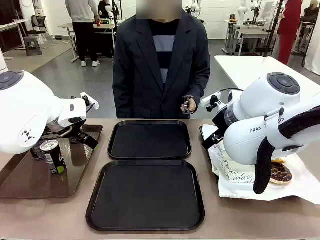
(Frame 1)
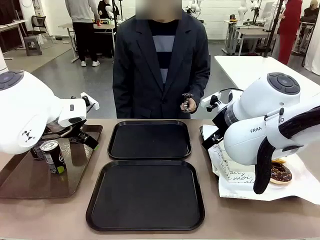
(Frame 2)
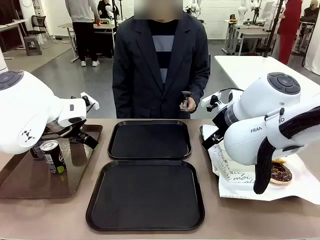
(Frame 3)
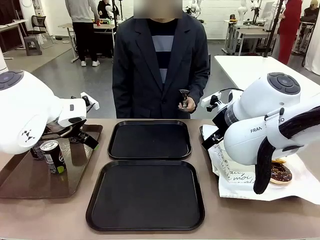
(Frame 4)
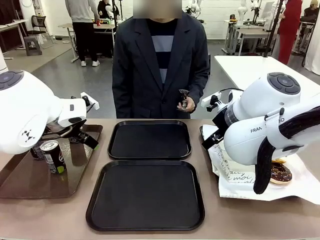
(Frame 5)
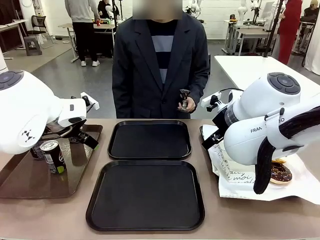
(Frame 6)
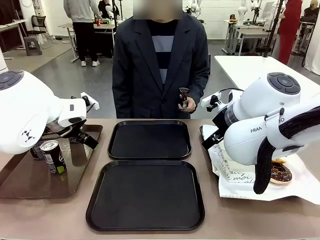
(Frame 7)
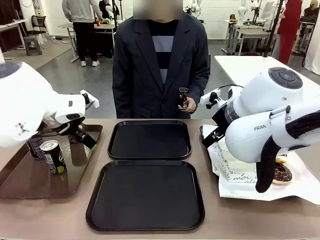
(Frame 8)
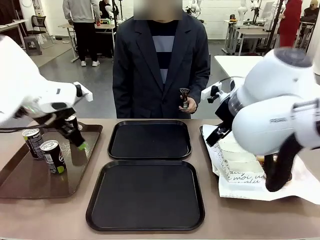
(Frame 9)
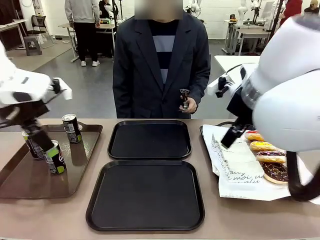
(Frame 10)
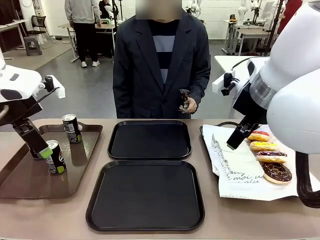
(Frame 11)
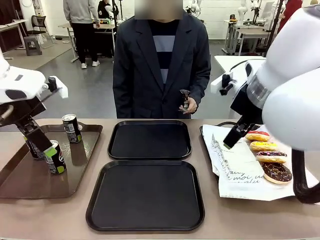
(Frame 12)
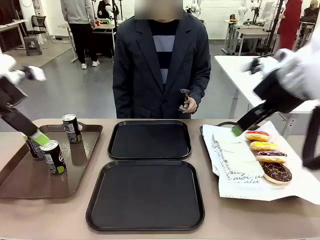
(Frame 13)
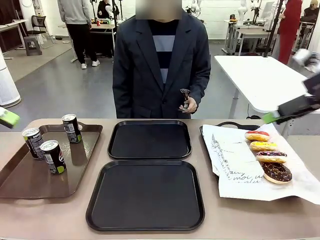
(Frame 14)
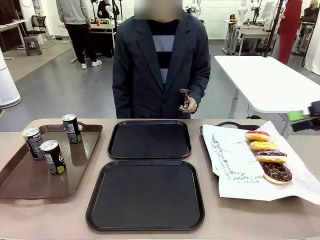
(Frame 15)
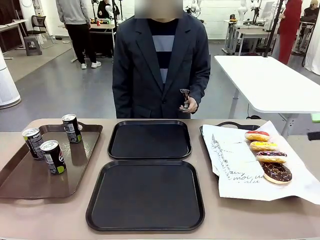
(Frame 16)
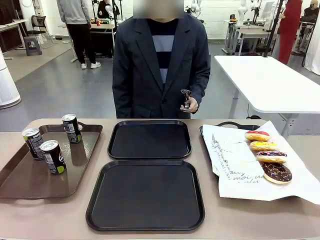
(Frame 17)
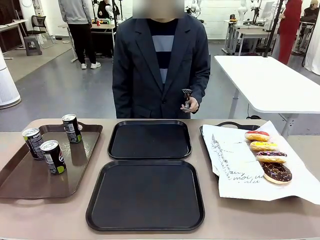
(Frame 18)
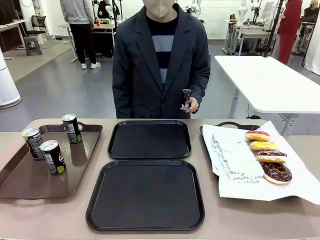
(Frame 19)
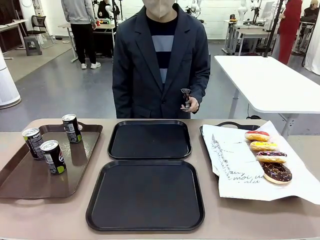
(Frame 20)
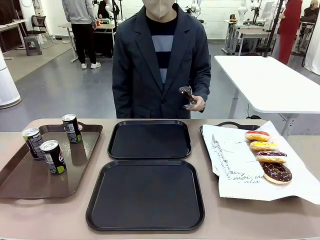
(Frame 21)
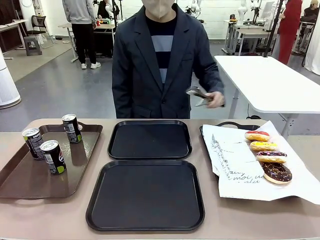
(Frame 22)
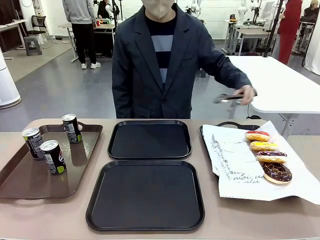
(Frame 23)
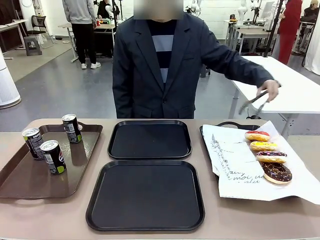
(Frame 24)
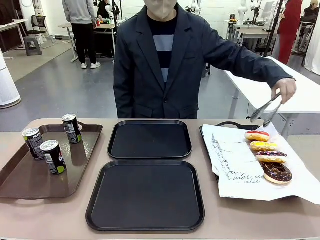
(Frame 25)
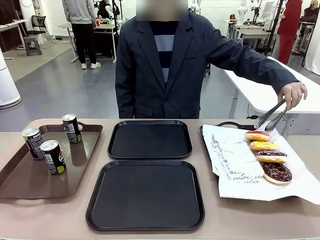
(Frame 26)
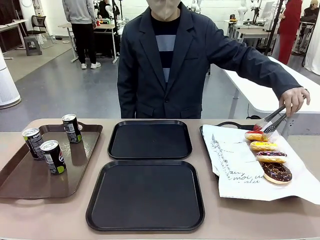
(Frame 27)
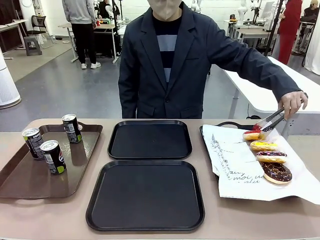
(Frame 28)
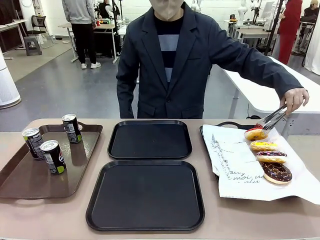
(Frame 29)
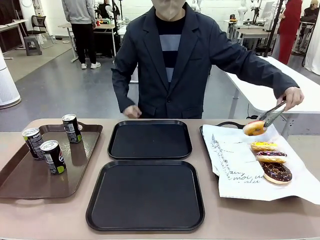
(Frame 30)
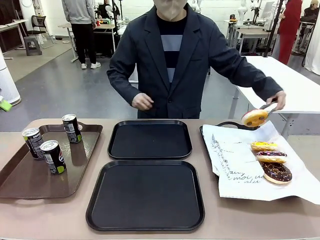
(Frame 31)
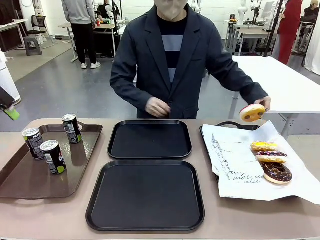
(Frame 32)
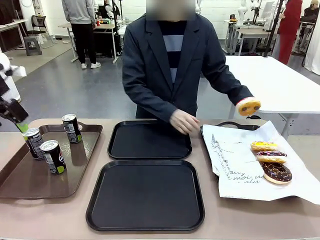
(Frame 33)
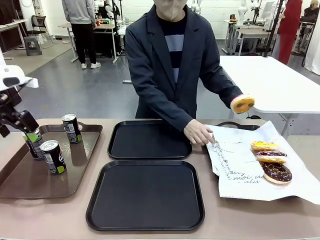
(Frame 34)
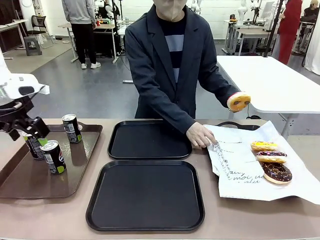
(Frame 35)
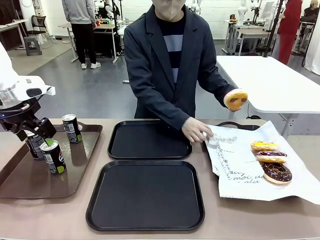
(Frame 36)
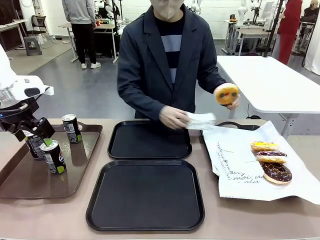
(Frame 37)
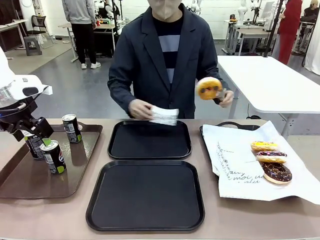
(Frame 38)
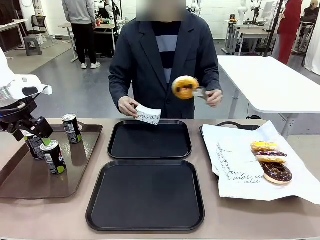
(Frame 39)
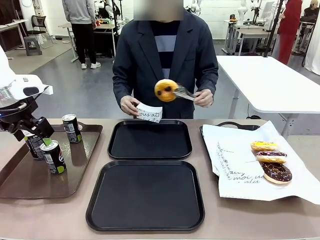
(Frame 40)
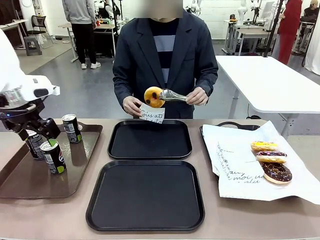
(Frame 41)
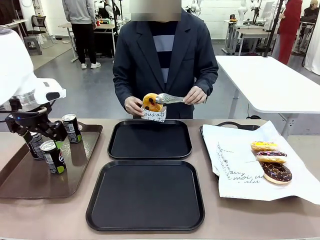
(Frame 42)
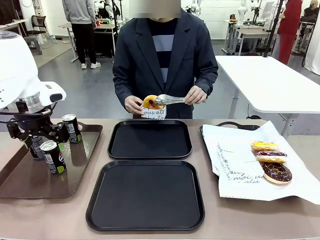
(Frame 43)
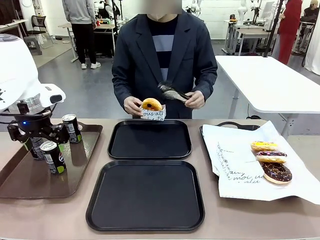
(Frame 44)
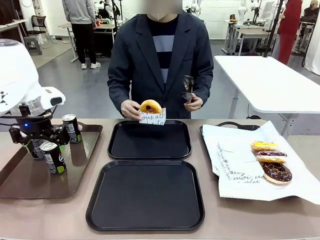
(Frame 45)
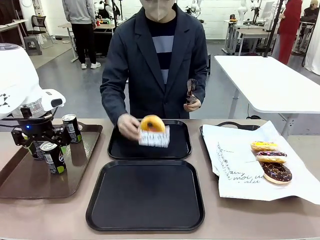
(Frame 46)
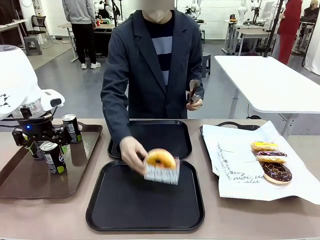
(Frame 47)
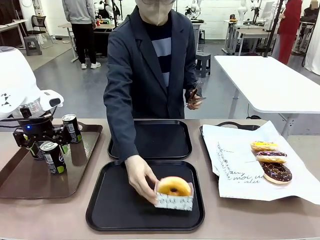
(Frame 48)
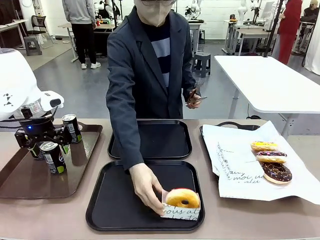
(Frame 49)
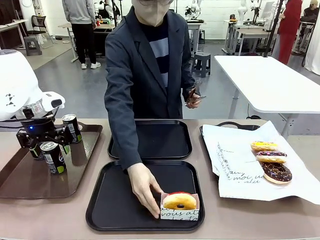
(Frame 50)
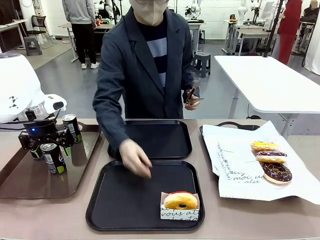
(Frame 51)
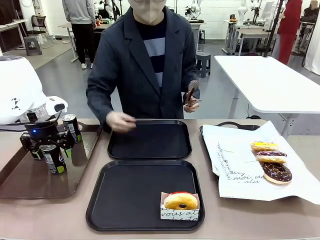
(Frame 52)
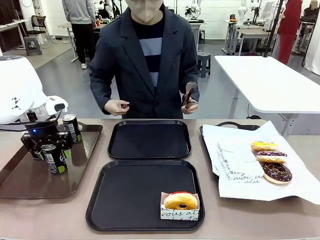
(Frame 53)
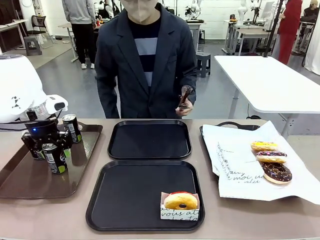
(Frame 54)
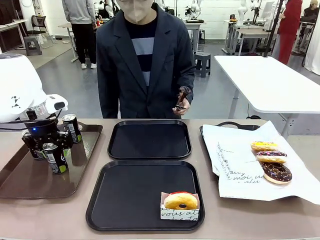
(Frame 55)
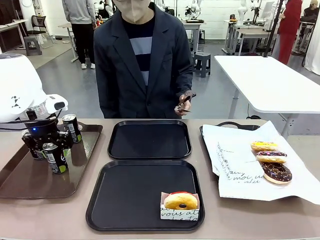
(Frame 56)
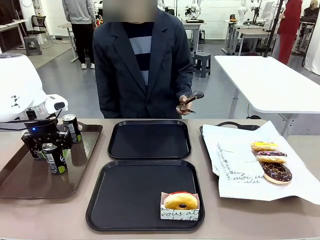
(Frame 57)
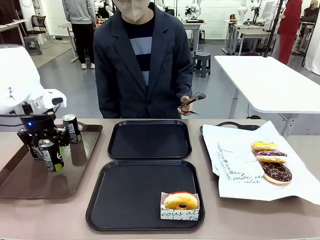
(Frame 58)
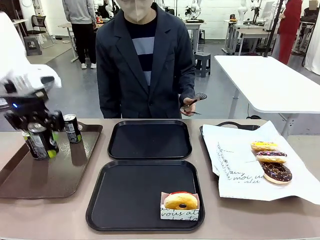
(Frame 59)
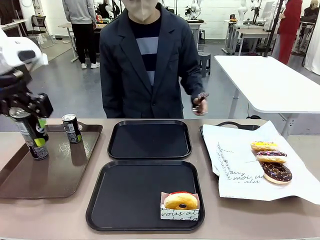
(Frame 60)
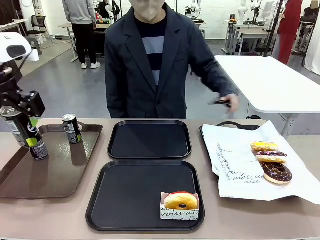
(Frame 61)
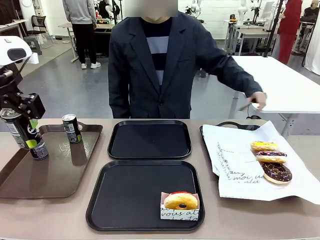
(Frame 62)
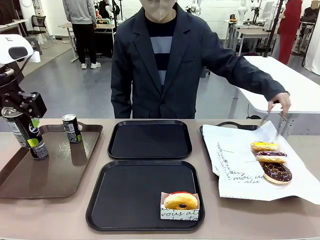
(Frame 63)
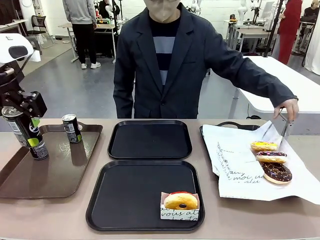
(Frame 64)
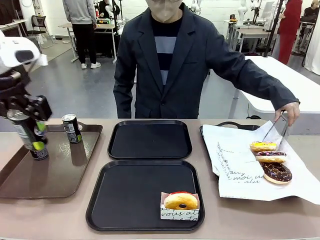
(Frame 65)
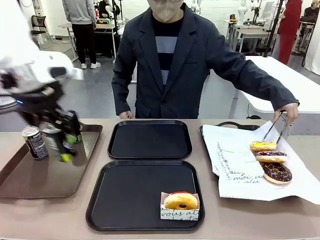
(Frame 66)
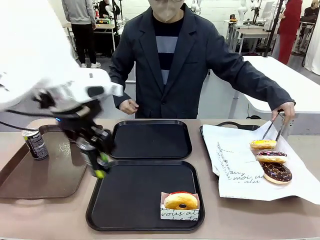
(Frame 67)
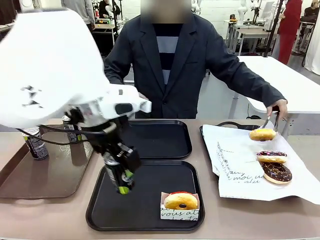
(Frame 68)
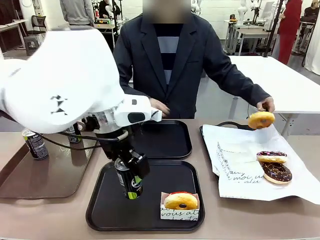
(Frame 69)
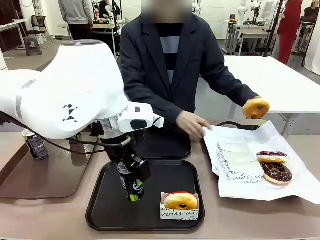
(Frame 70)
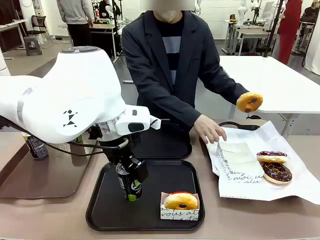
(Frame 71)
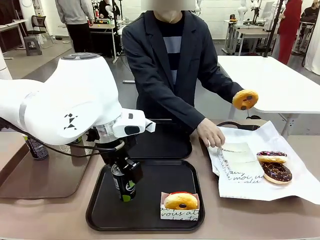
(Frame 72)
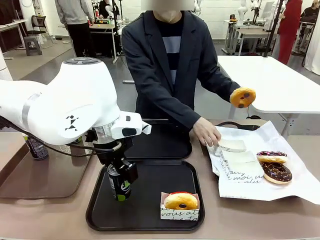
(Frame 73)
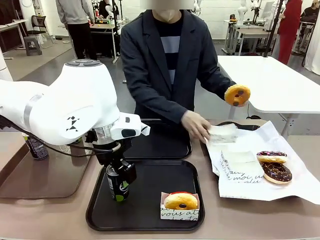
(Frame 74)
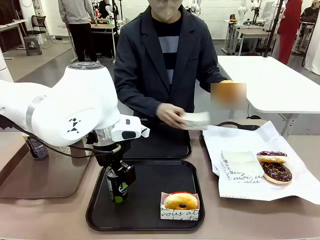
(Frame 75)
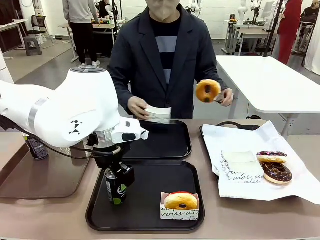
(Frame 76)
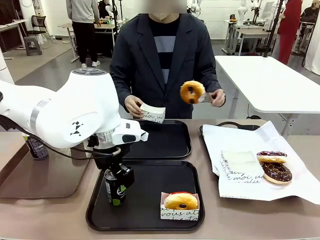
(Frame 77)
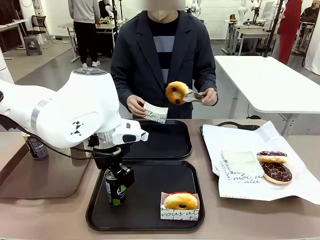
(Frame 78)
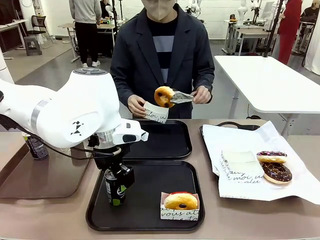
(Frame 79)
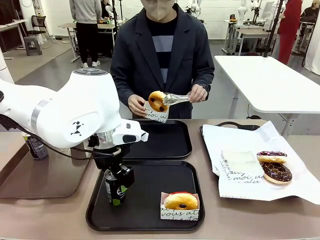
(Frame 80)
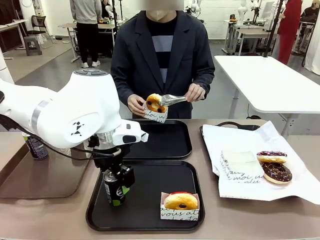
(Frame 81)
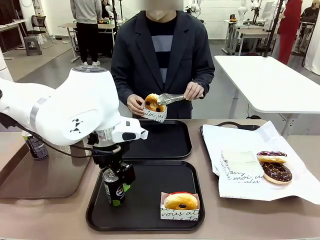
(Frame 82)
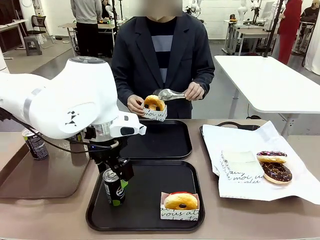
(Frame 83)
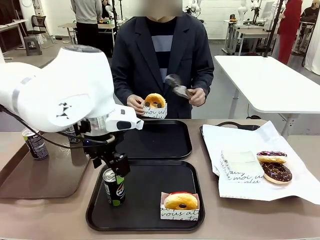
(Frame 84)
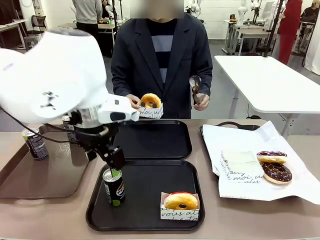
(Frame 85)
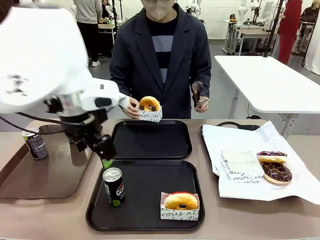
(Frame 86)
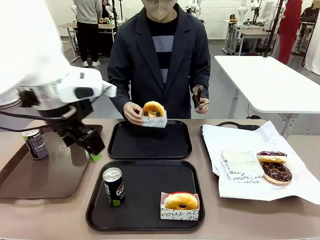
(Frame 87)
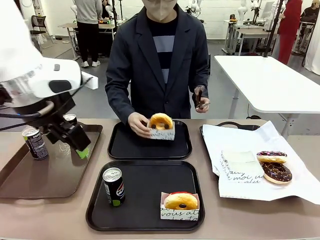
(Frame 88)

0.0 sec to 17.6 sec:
Task: Set up donuts and drinks on trays.
Robot: Pick up one Pepsi coke and place it on the Flat Tray.
